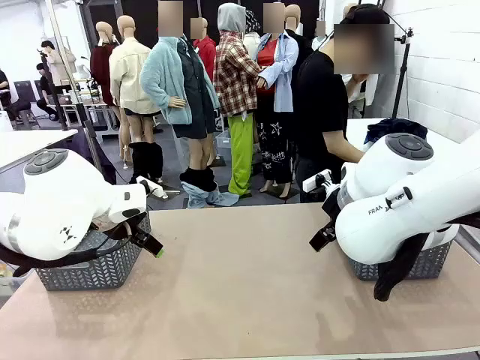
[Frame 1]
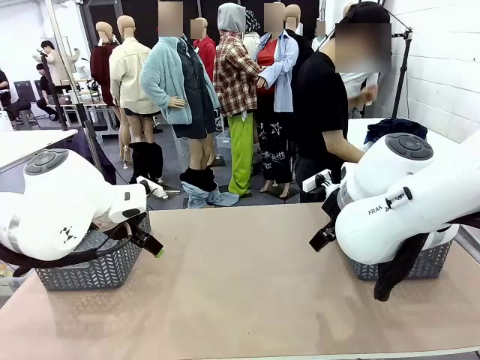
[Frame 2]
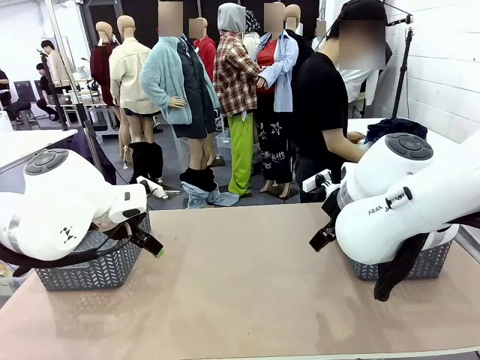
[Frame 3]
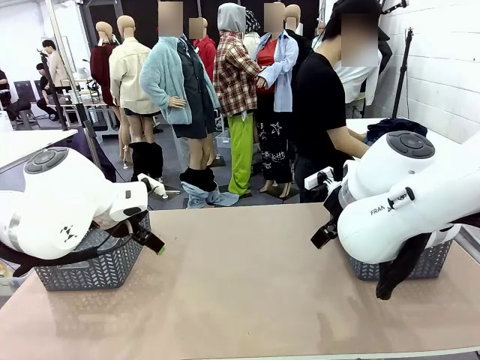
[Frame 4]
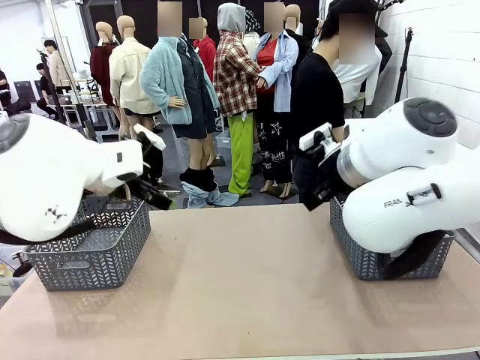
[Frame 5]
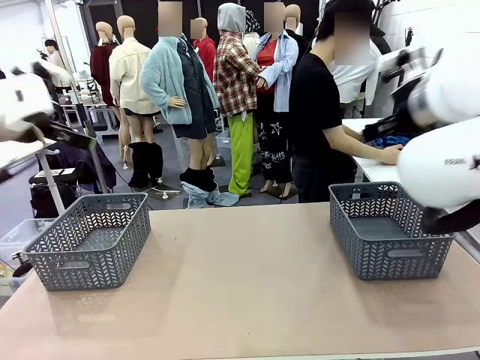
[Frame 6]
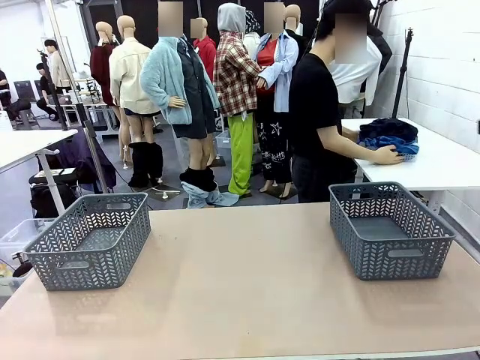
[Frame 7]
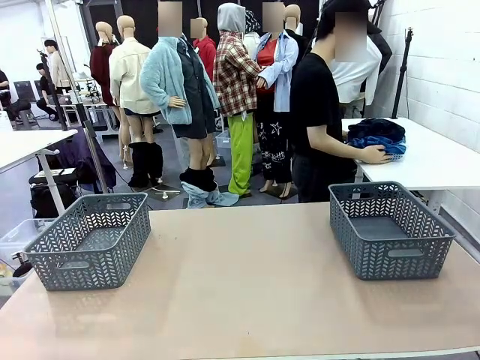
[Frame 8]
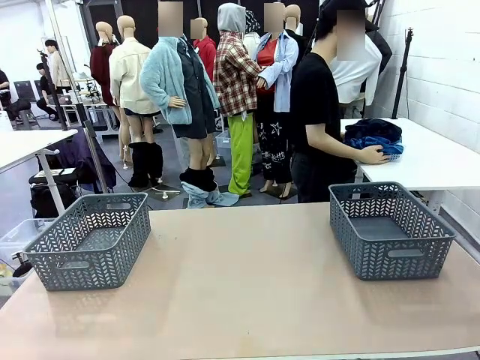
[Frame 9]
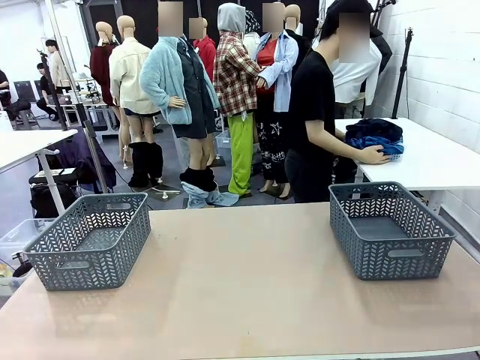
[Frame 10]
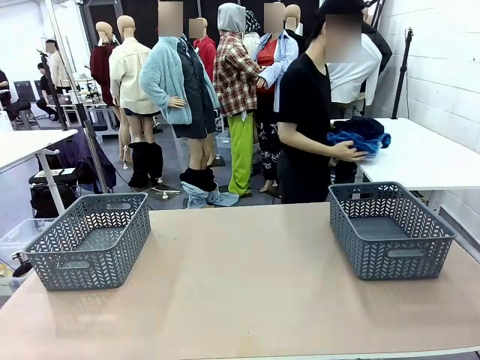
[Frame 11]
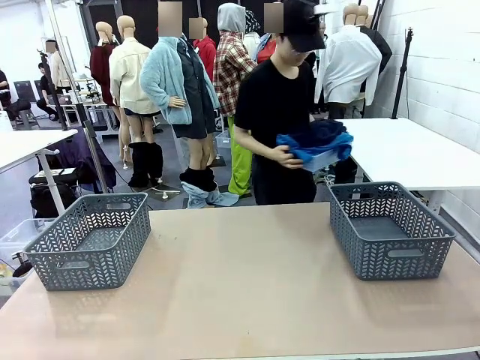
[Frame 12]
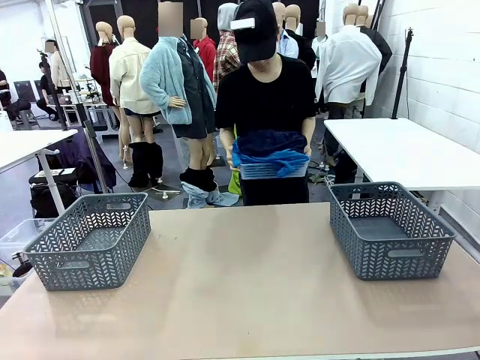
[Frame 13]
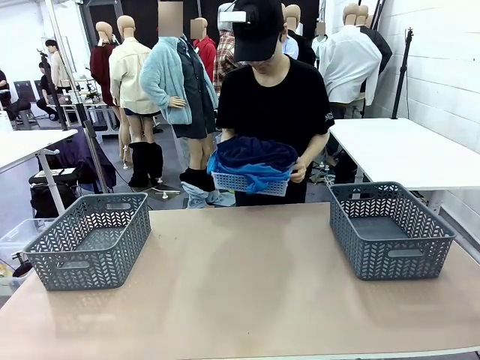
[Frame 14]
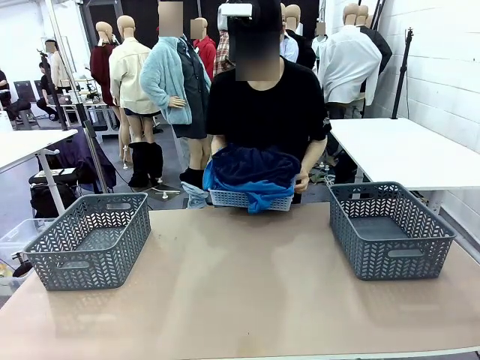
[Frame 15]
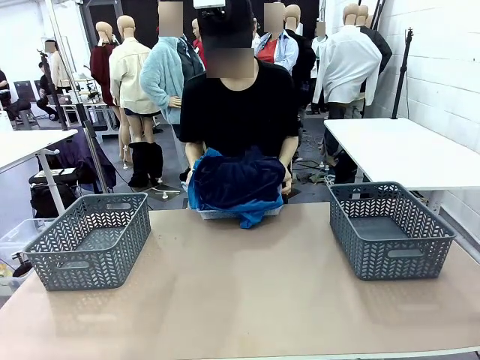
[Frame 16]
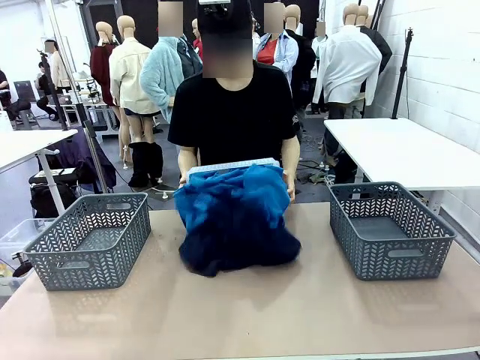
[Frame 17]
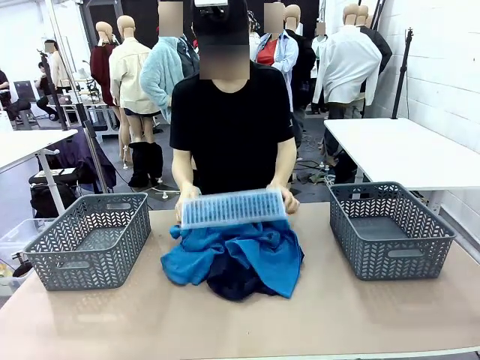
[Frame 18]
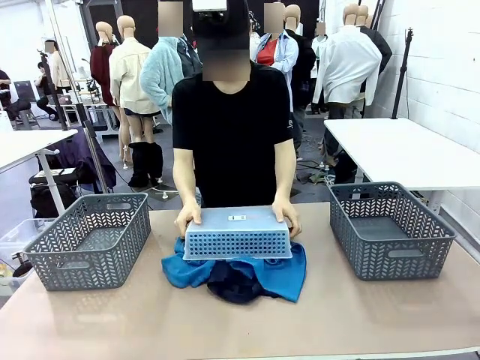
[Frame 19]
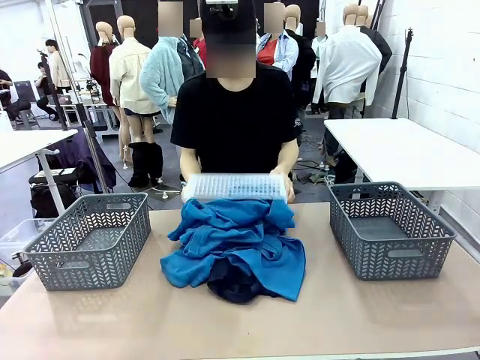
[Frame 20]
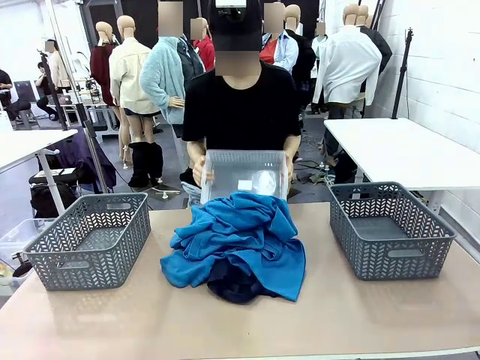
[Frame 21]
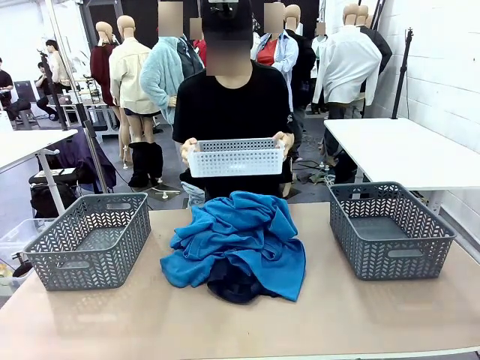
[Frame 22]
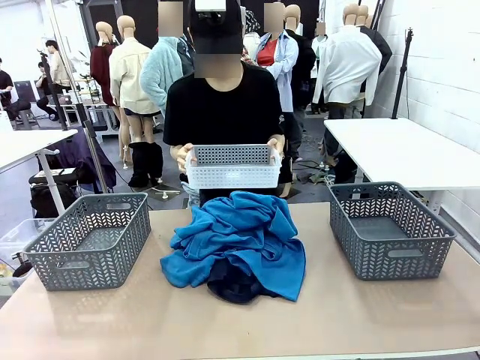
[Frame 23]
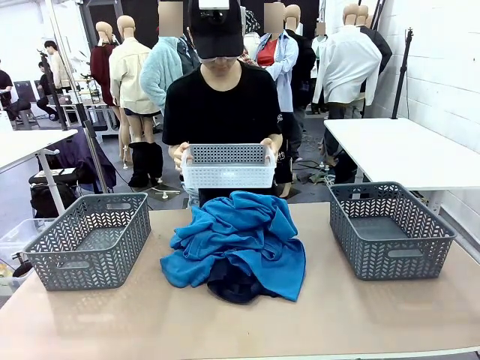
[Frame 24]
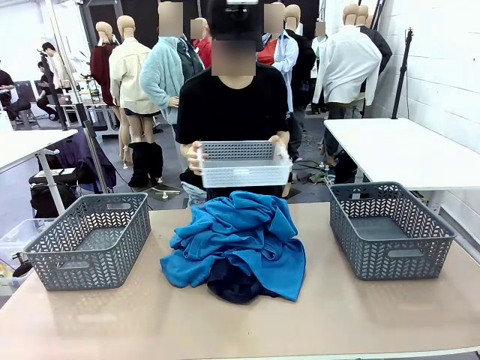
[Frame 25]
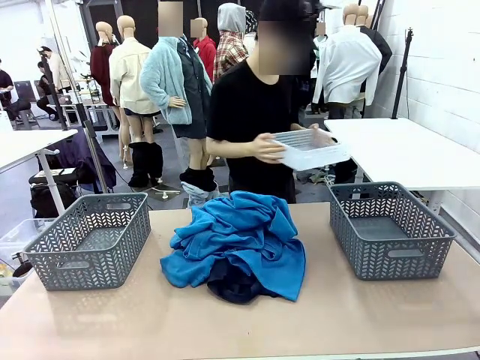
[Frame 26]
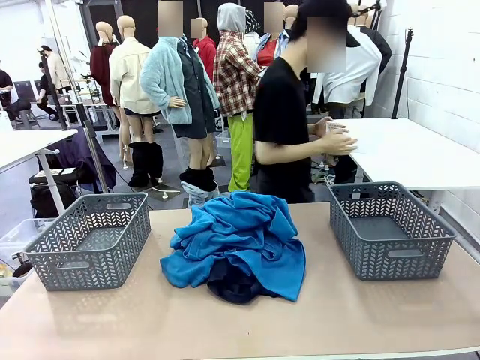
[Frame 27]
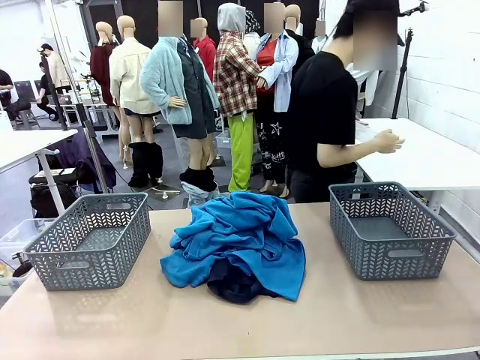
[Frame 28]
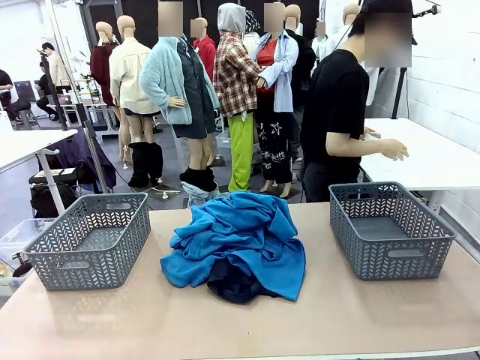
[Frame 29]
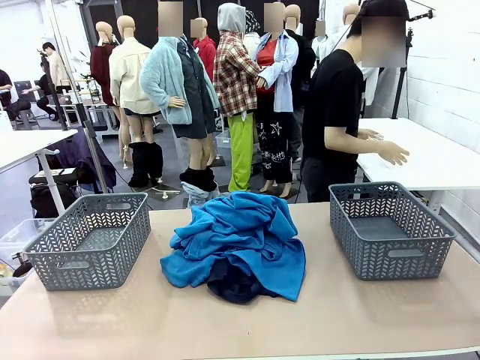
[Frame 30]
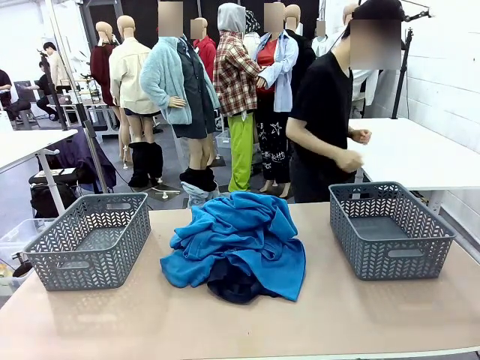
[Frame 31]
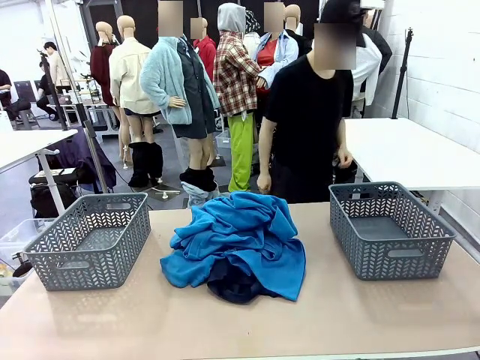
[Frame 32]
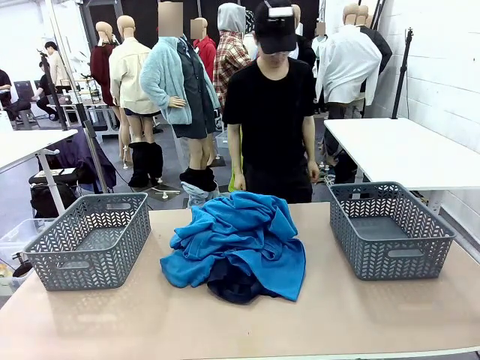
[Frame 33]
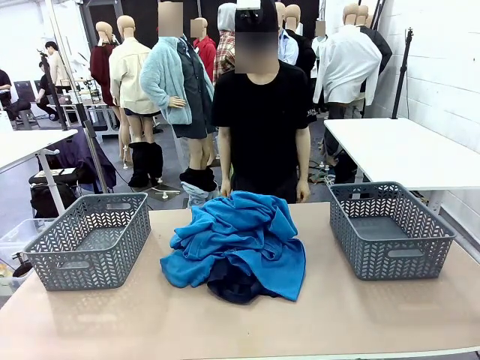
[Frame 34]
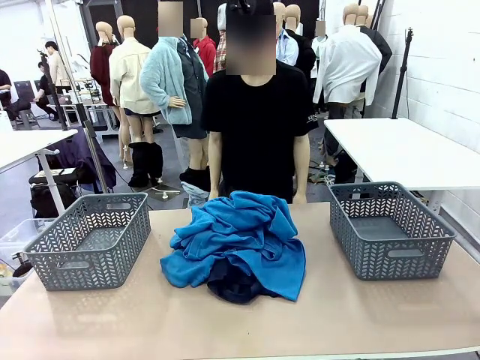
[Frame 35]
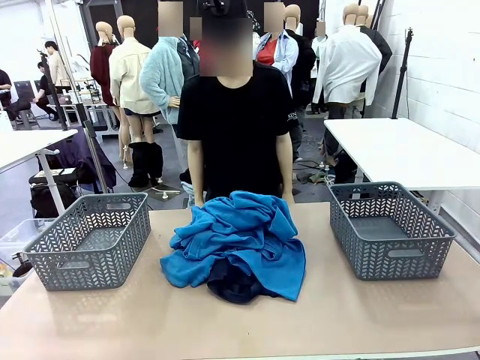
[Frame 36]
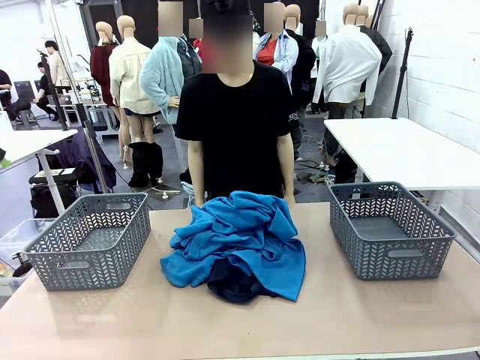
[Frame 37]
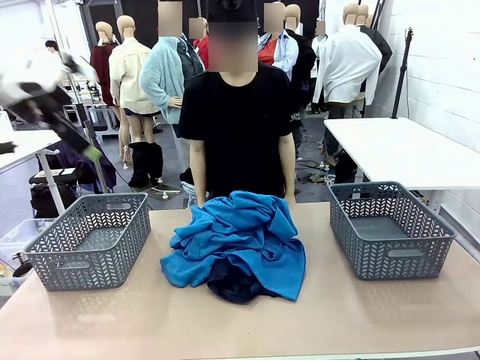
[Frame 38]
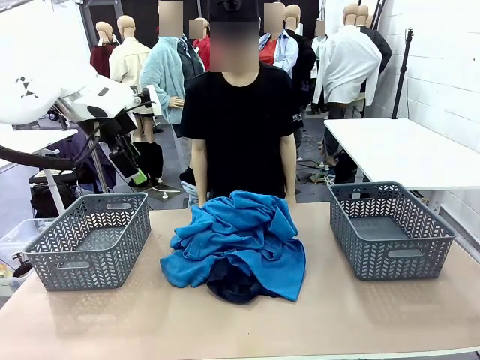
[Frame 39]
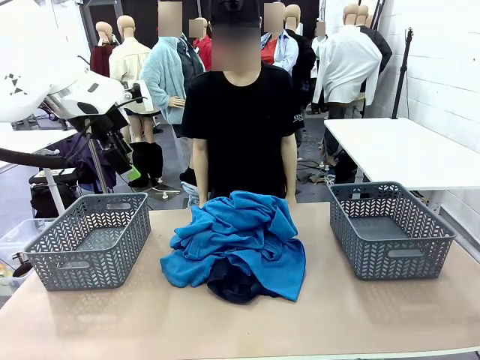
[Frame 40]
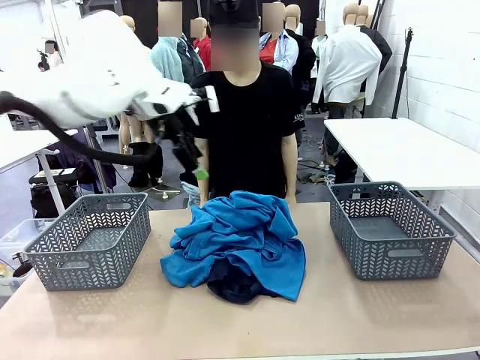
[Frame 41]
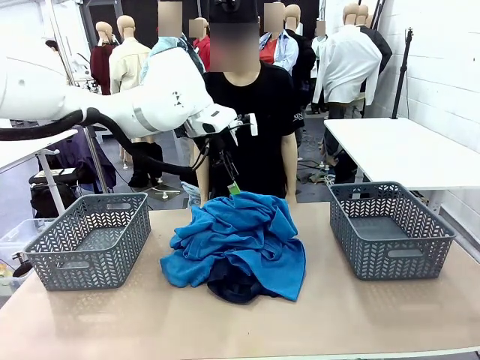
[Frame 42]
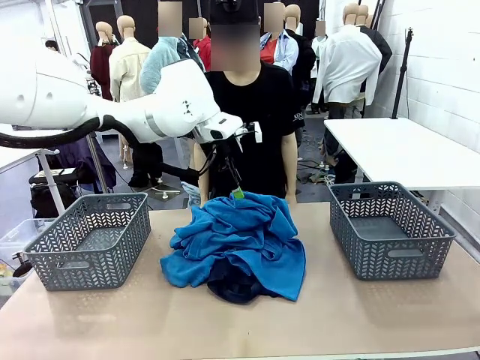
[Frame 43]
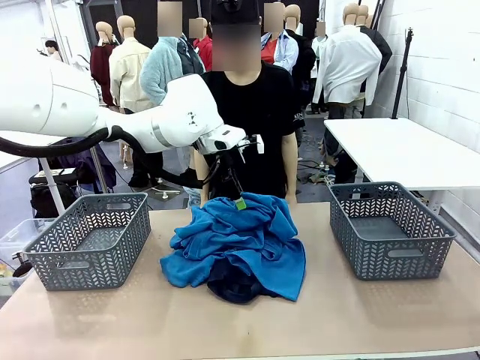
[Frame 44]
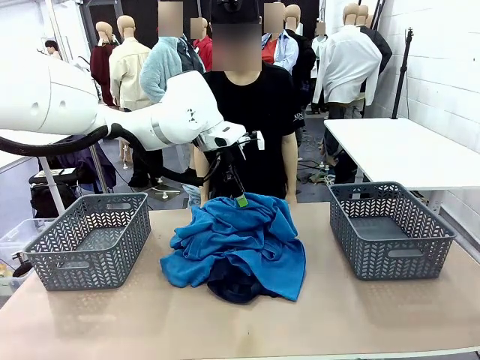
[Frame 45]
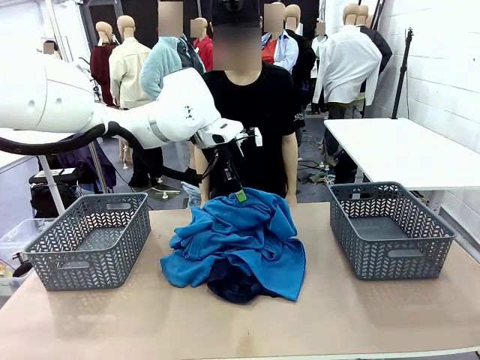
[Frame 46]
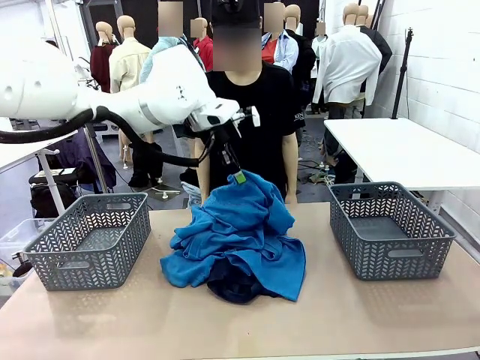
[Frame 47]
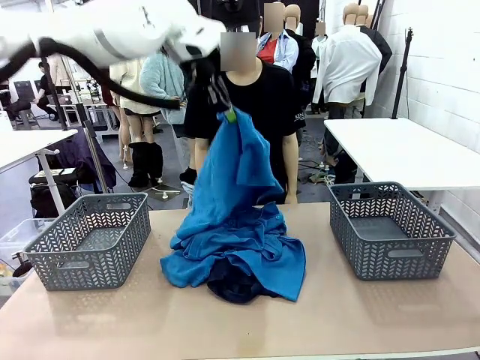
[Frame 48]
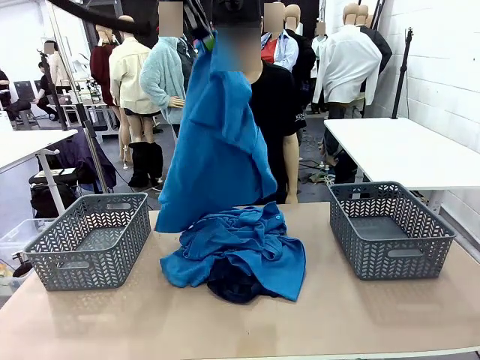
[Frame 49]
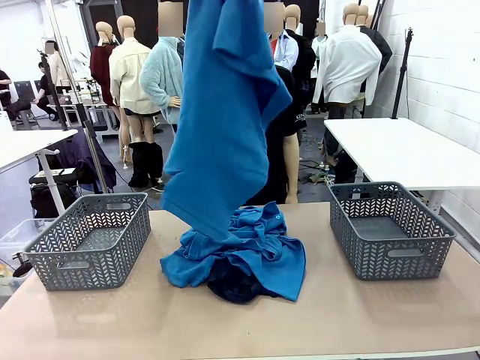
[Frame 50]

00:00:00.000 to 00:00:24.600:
Task: Sort the tops and bottoms.
Robot: Lift clothes from the center of the table with your left hand.
Person: Pour the clothes from the basket onto the center of the robot table.
